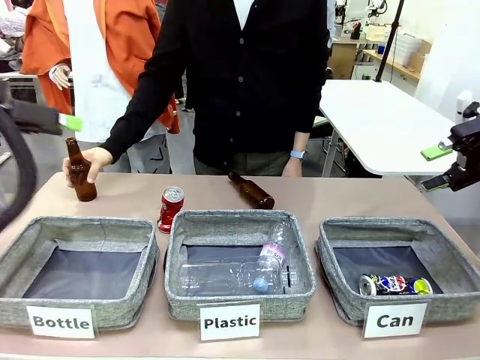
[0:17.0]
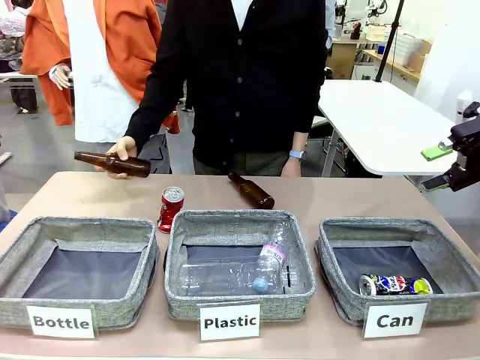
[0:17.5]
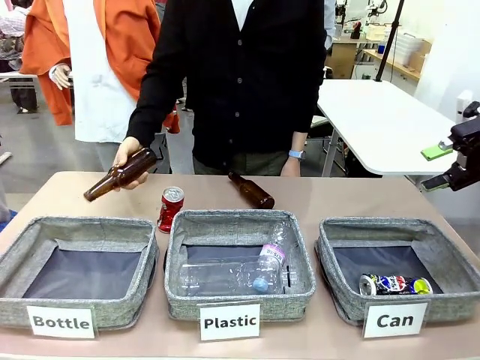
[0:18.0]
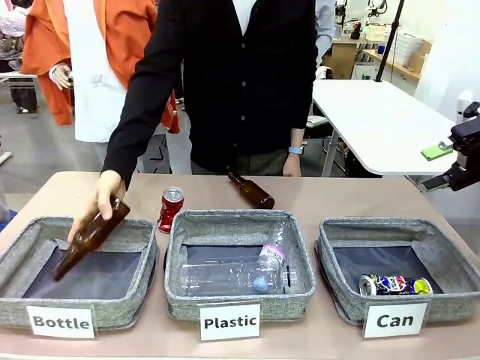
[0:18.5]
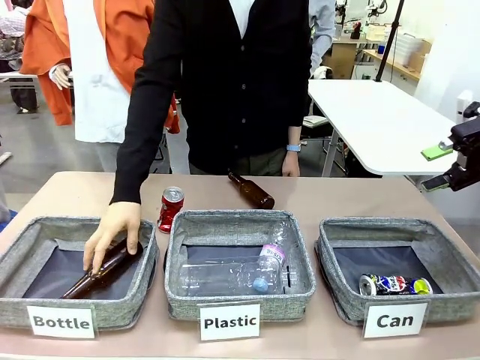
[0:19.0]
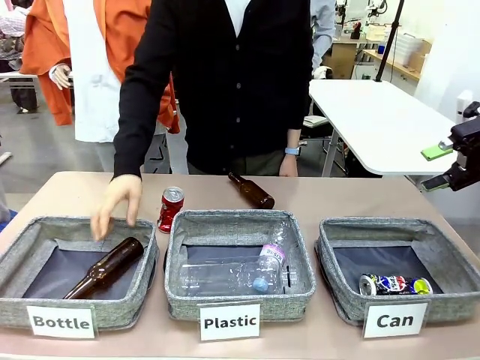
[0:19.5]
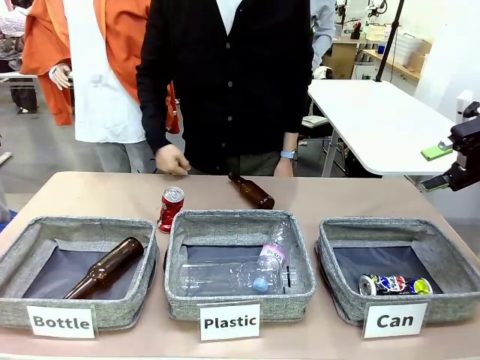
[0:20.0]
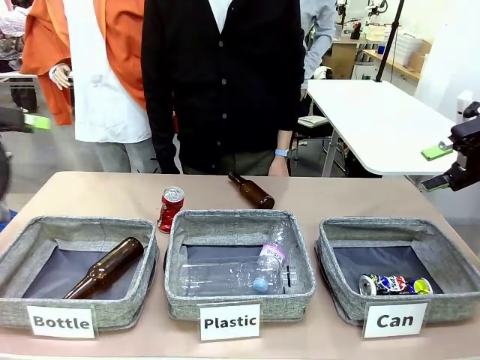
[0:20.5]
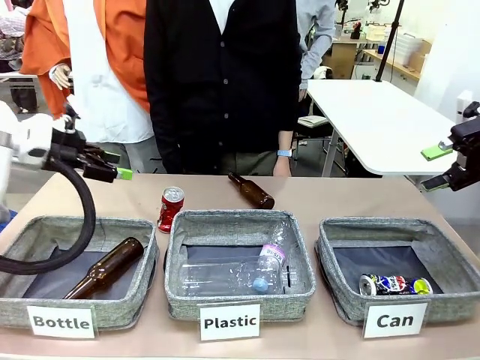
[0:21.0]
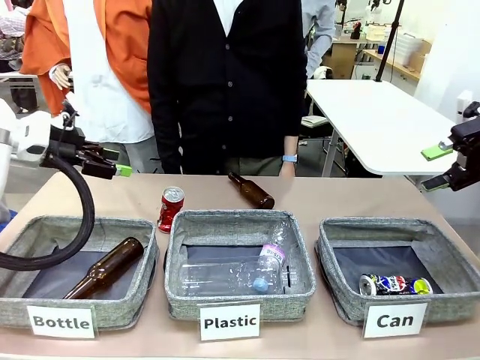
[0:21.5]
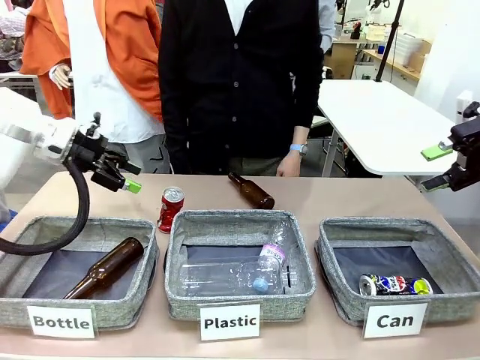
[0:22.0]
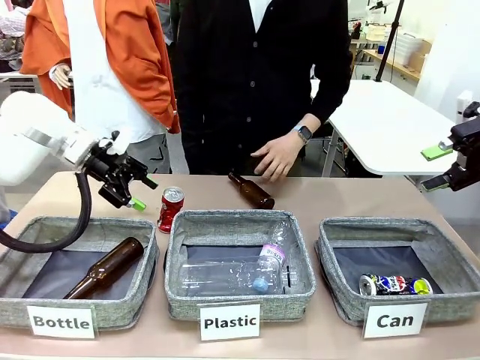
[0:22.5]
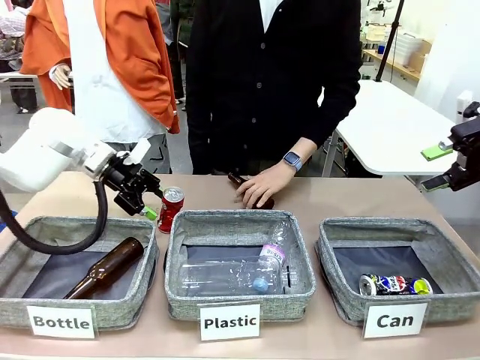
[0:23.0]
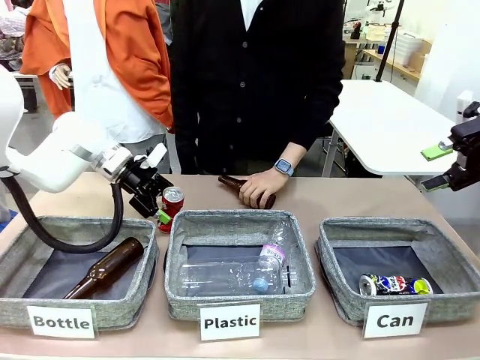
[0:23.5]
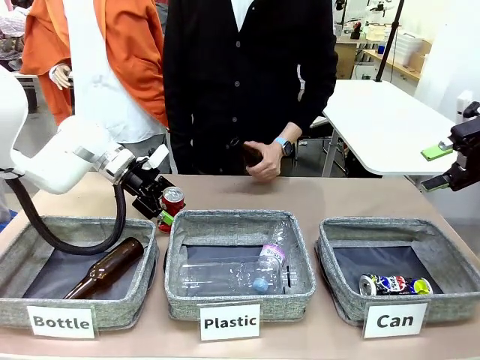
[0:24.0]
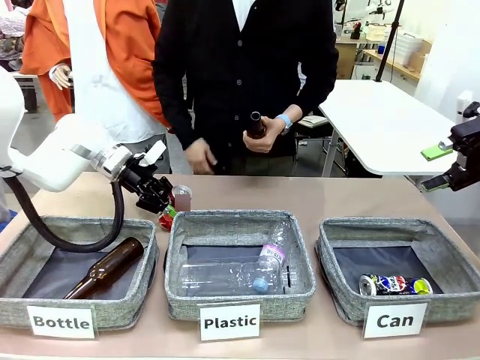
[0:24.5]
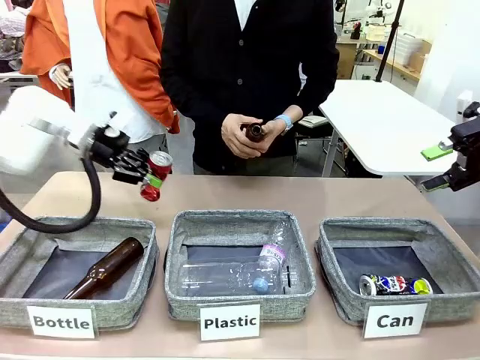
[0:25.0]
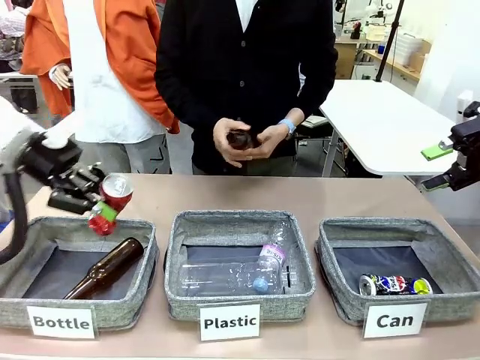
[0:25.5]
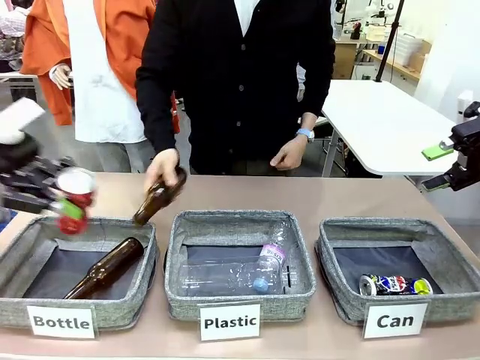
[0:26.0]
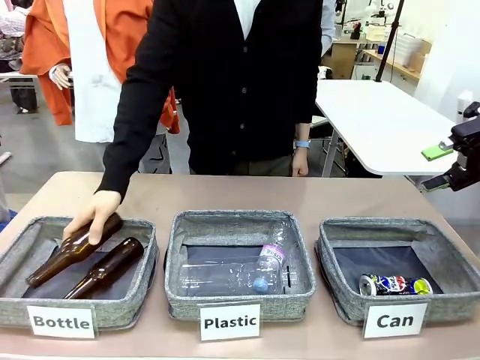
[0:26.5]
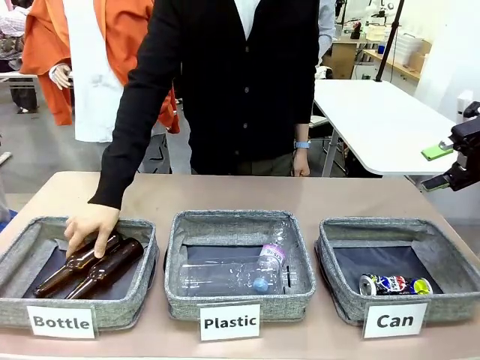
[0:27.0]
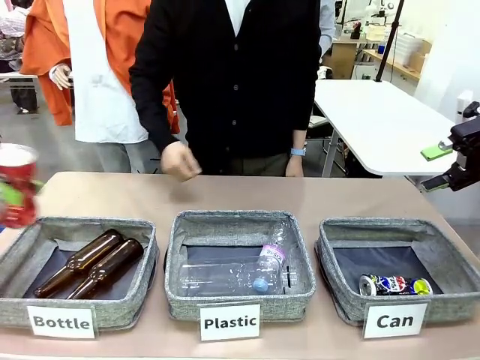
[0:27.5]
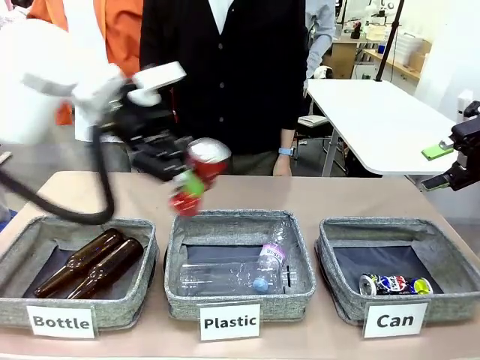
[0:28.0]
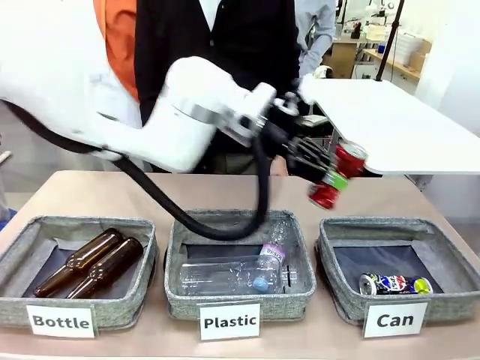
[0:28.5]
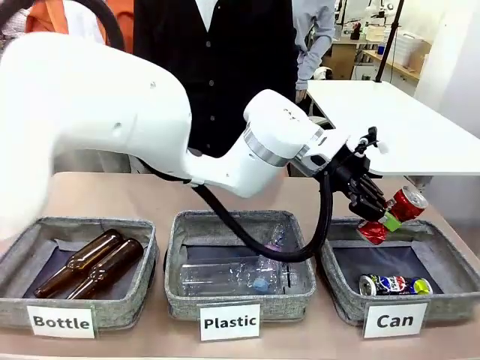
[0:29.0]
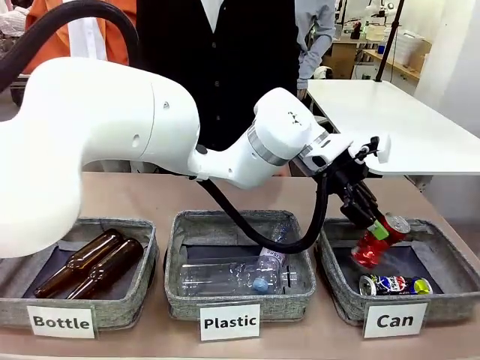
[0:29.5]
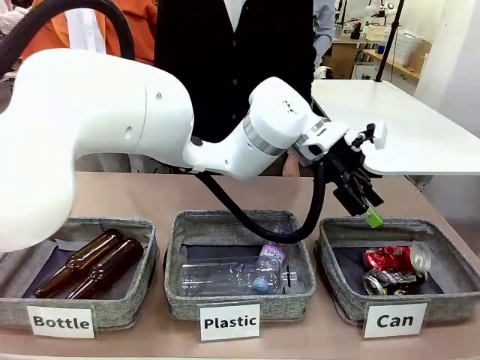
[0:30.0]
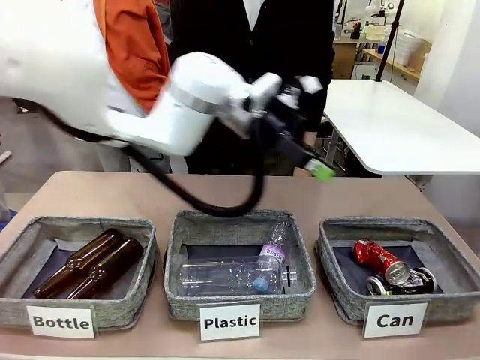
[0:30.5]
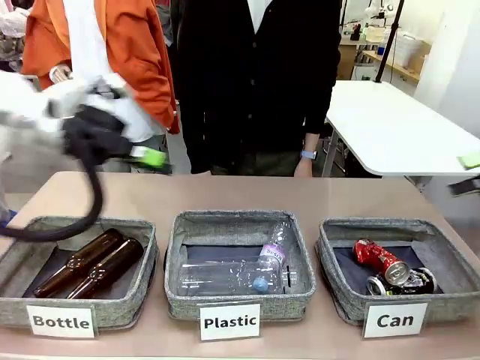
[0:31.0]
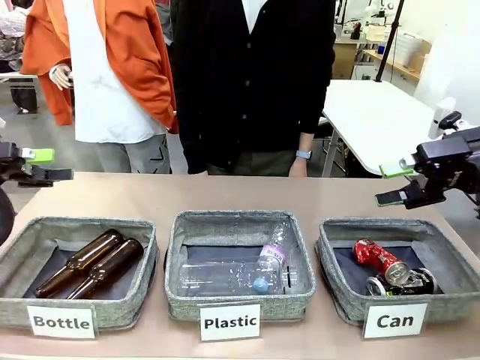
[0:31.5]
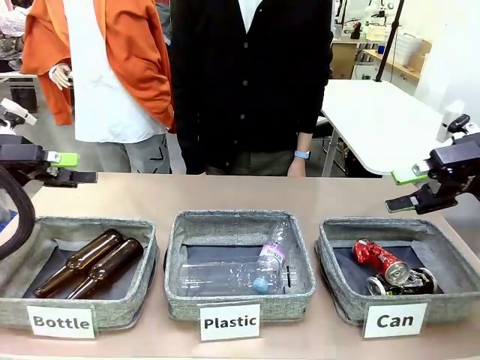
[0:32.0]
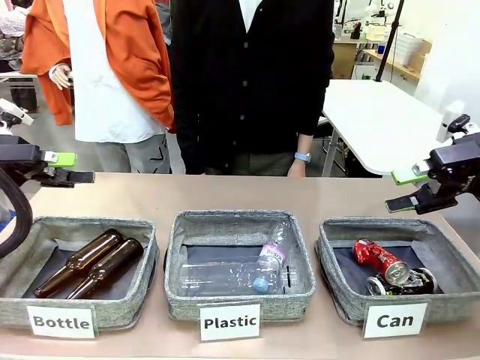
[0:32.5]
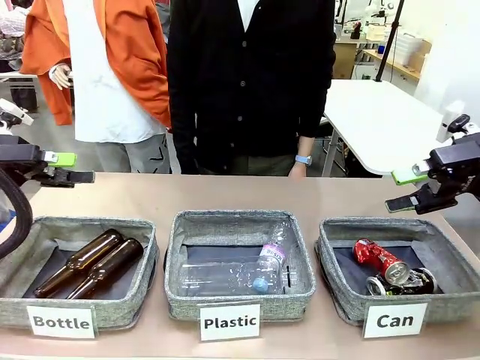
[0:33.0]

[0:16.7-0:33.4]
Task: Sort the can waste into the basket.
Robot: Pick up the can waste from the table and place it in the right Fabric basket.

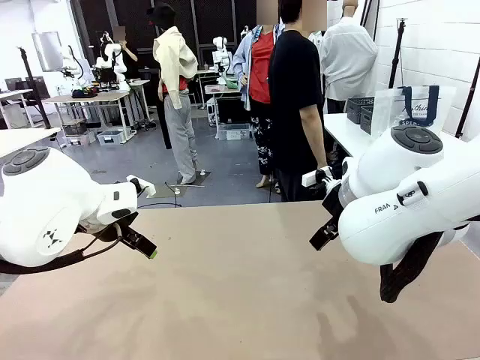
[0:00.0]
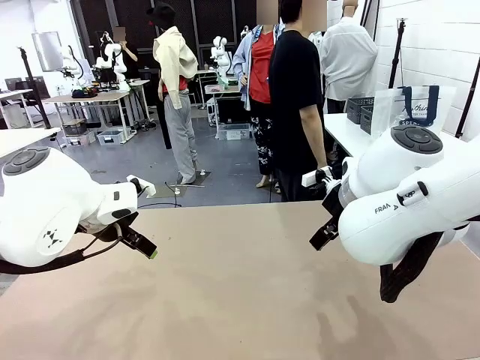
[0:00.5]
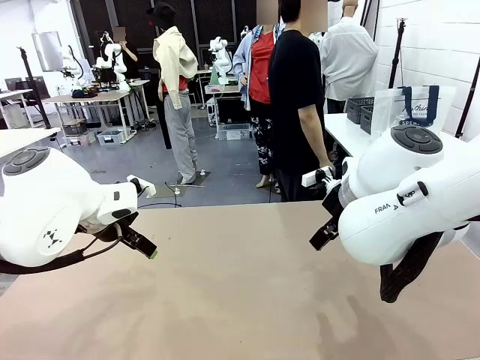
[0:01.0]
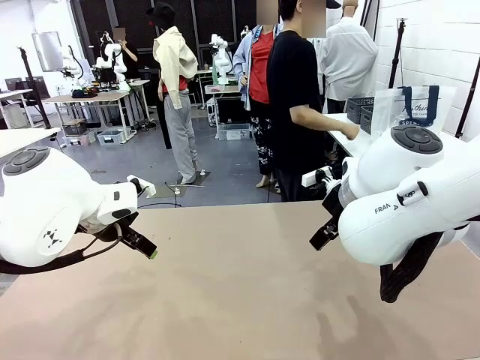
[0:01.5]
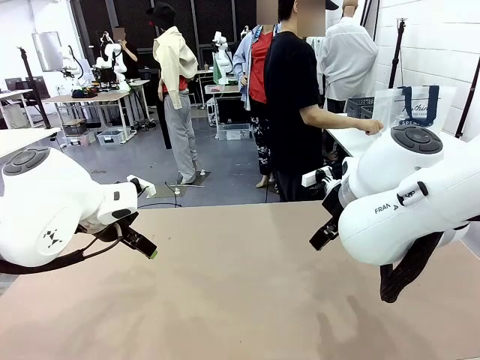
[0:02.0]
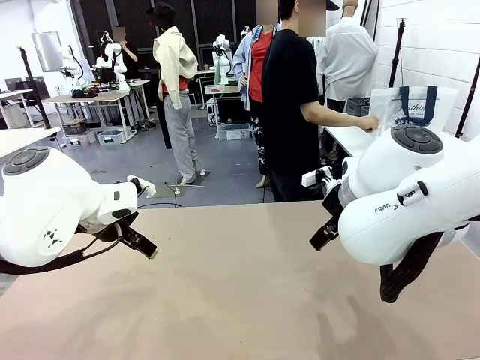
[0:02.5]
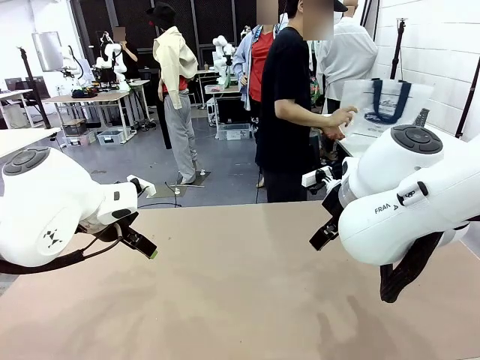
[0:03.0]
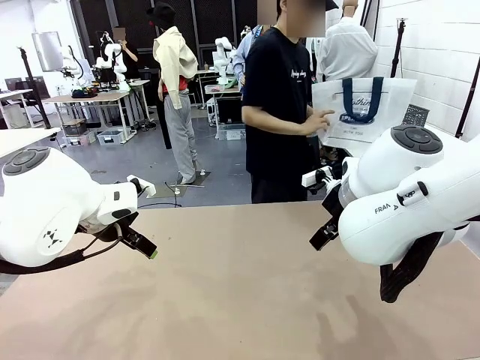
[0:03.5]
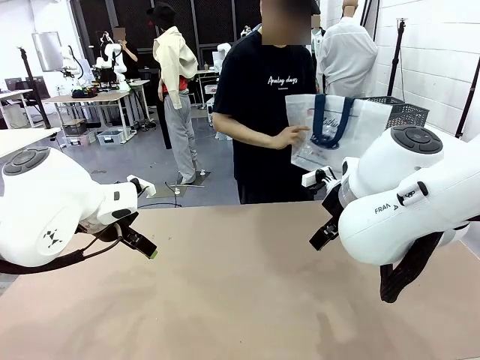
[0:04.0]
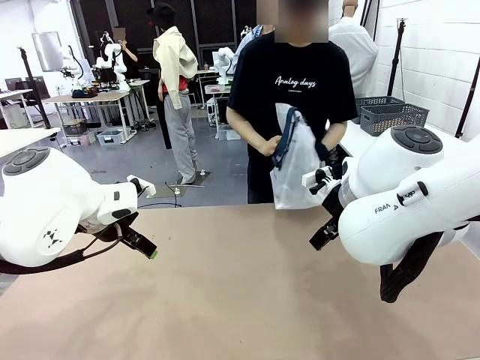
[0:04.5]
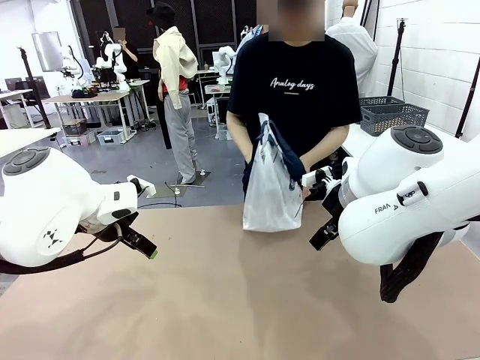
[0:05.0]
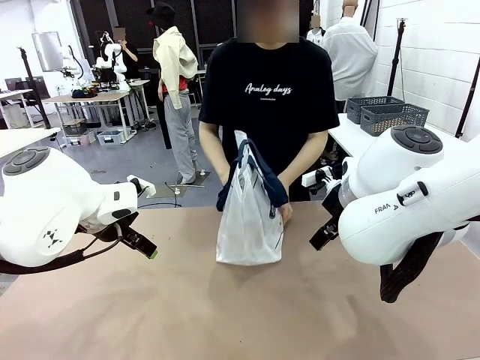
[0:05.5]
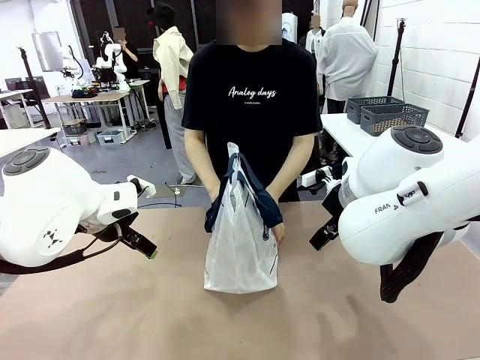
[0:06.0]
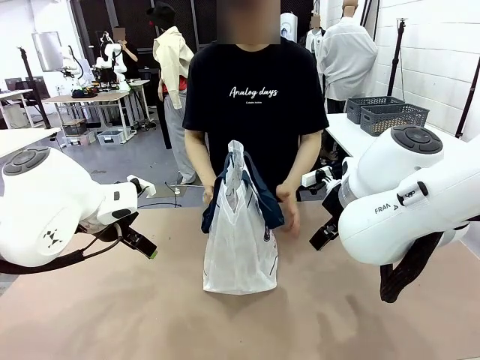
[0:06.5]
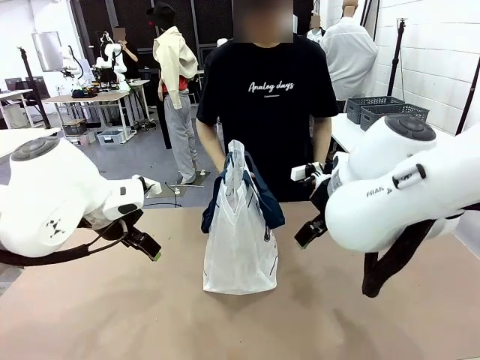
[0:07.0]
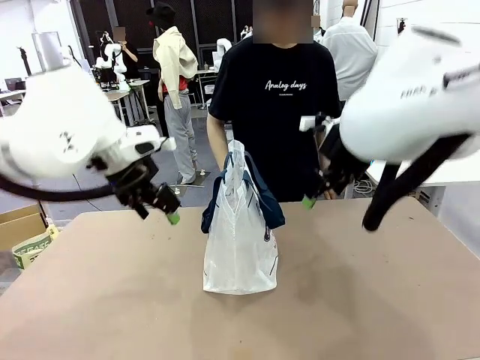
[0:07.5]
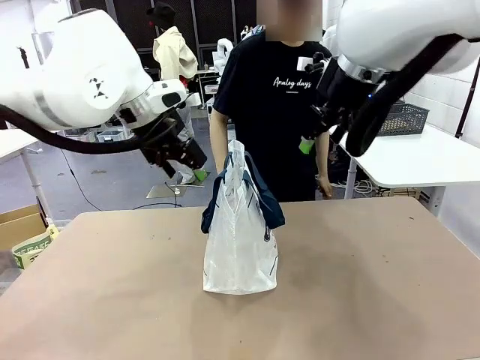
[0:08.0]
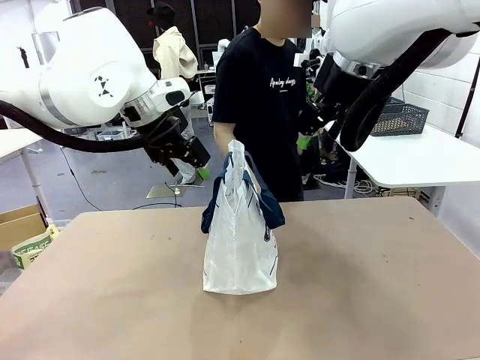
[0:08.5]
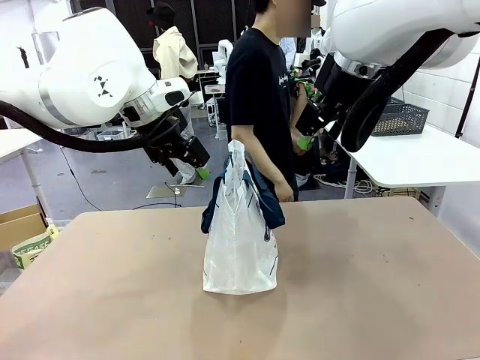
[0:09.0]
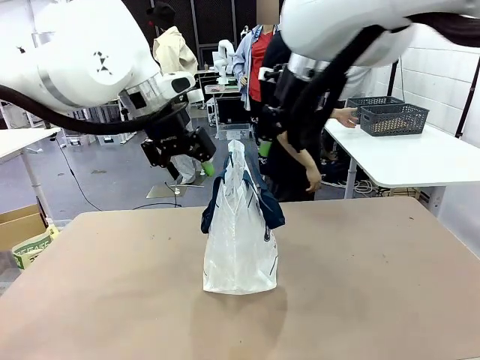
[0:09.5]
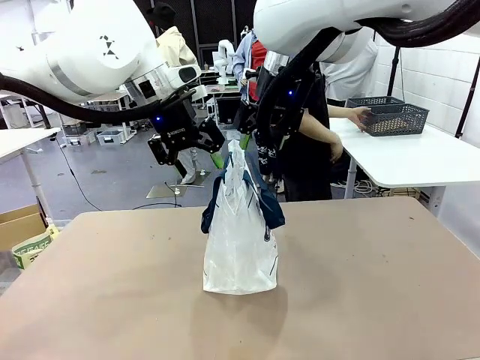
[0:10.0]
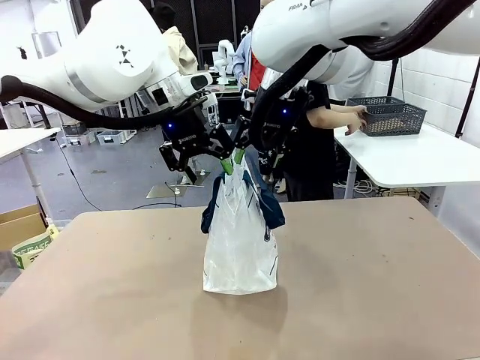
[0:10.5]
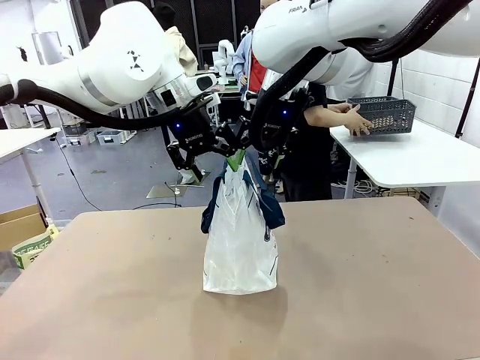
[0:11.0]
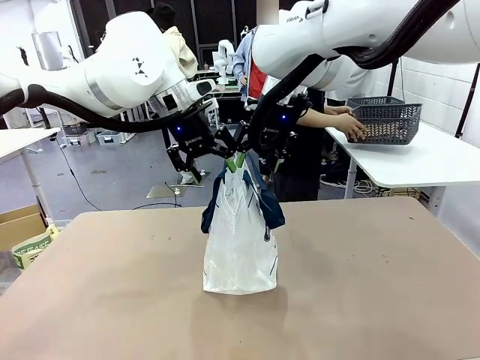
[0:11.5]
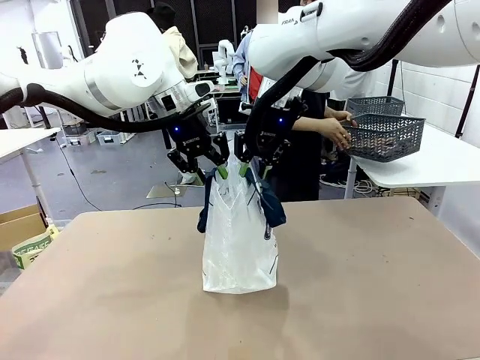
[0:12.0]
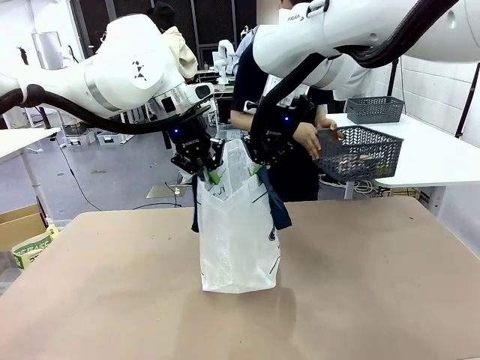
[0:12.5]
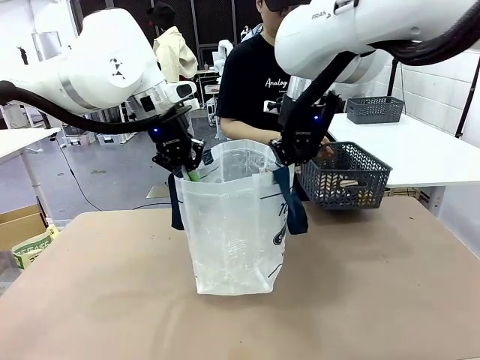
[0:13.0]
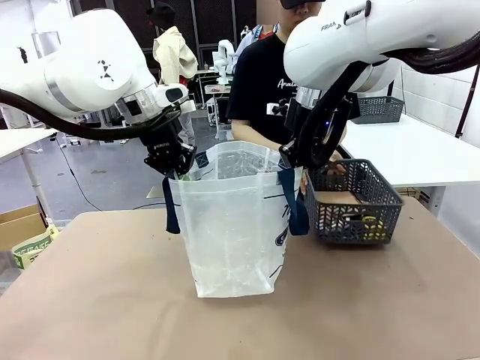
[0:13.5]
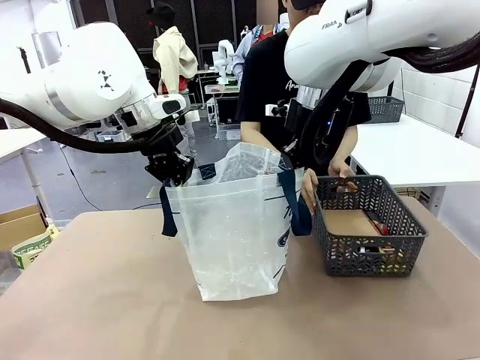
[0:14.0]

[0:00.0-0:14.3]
Task: Transfer purchased items from the store into the shopping bag.
Robot: Open the Reusable shopping bag in the center of the table.
Person: Pick up the shopping bag and place it in the middle of the robot table.
